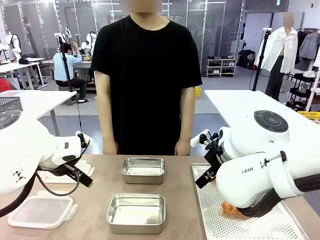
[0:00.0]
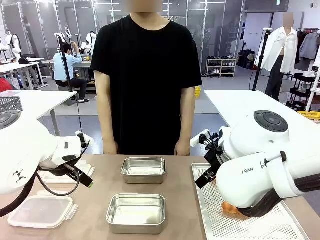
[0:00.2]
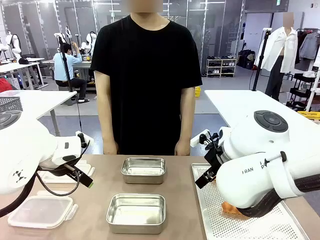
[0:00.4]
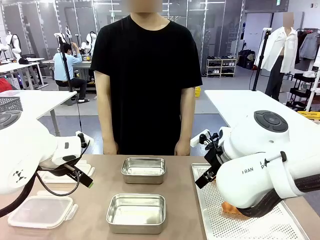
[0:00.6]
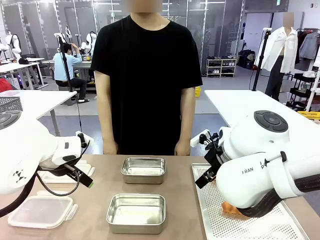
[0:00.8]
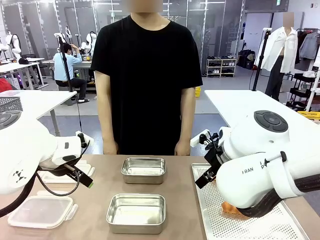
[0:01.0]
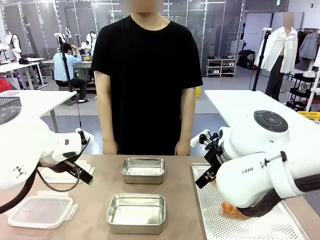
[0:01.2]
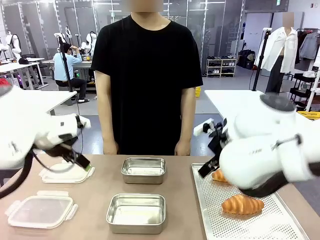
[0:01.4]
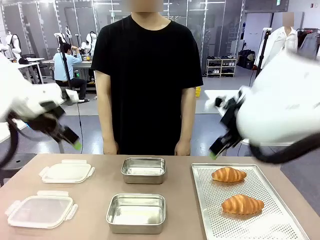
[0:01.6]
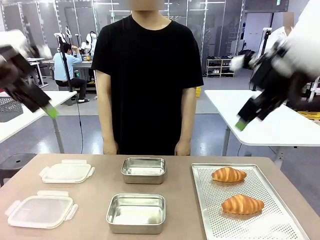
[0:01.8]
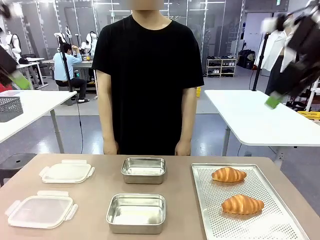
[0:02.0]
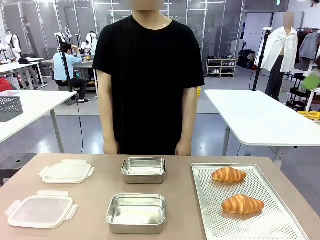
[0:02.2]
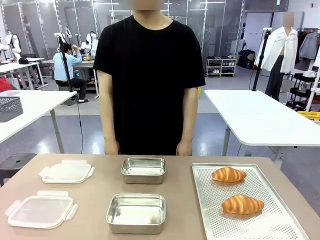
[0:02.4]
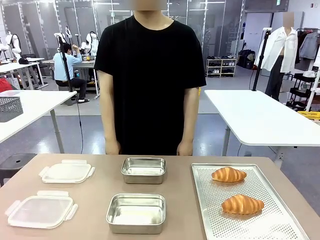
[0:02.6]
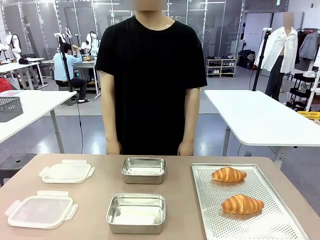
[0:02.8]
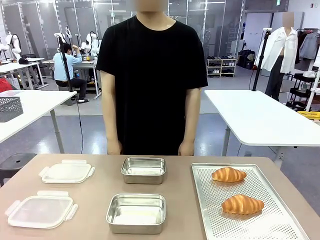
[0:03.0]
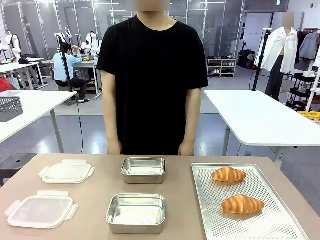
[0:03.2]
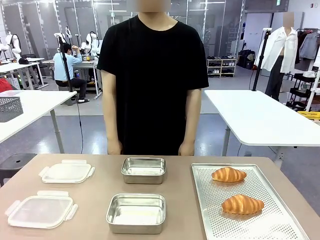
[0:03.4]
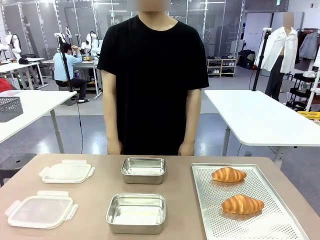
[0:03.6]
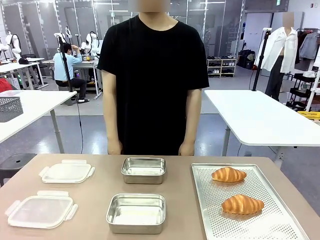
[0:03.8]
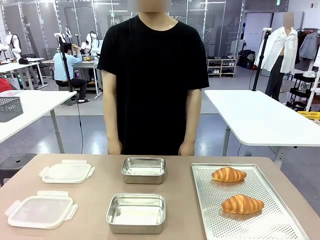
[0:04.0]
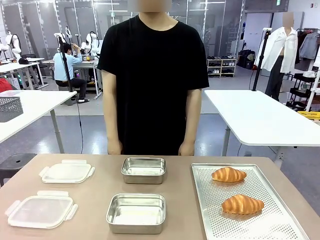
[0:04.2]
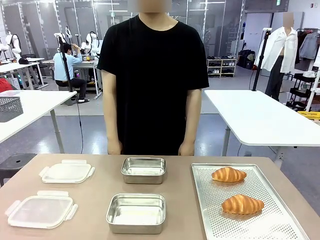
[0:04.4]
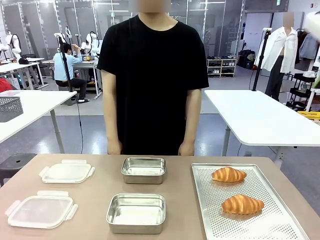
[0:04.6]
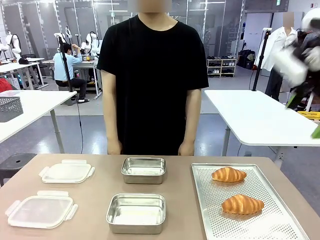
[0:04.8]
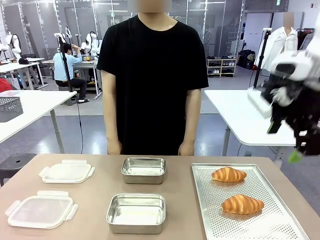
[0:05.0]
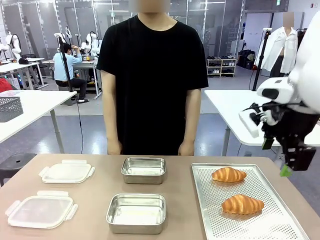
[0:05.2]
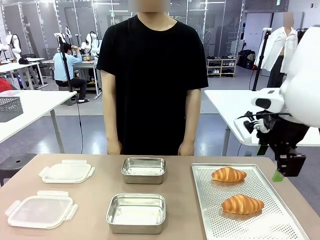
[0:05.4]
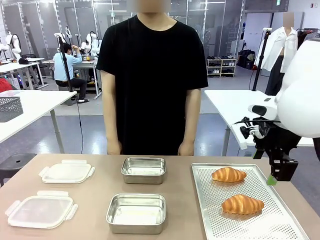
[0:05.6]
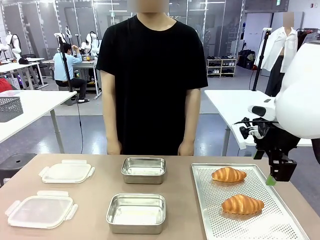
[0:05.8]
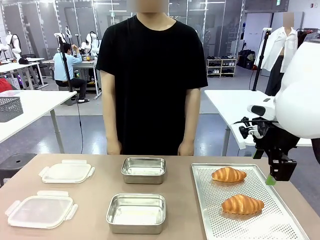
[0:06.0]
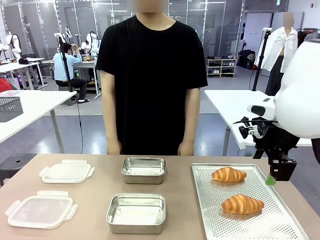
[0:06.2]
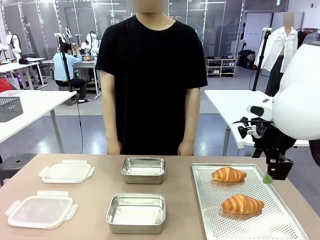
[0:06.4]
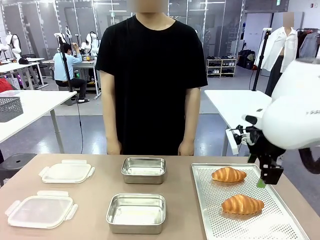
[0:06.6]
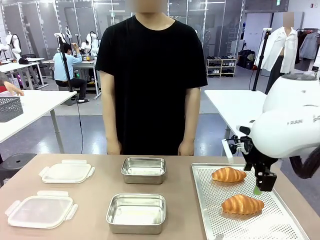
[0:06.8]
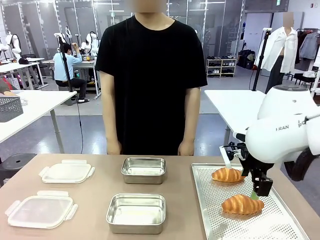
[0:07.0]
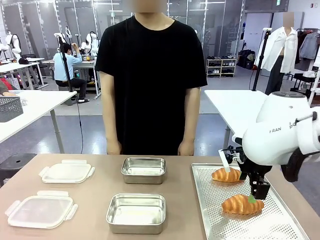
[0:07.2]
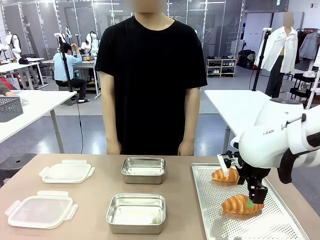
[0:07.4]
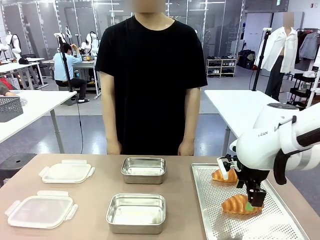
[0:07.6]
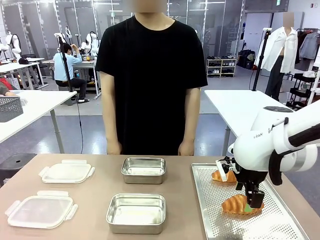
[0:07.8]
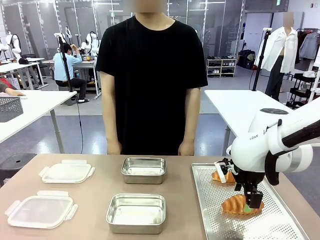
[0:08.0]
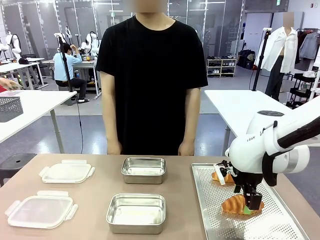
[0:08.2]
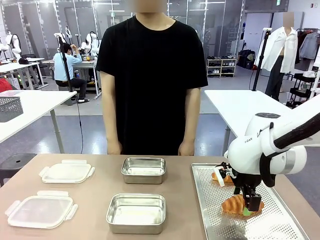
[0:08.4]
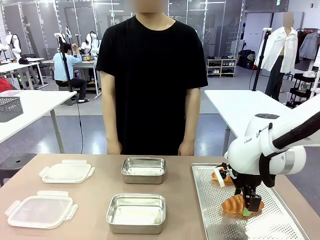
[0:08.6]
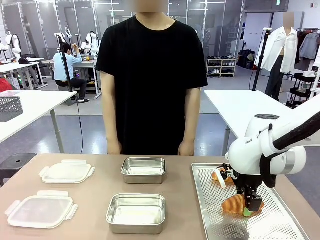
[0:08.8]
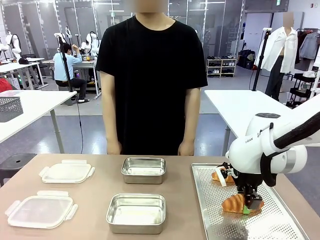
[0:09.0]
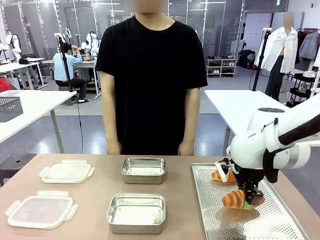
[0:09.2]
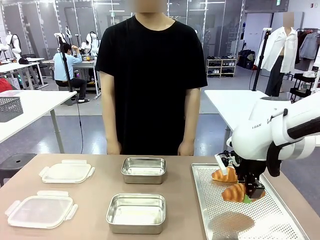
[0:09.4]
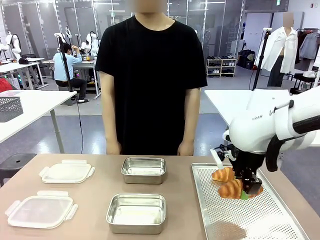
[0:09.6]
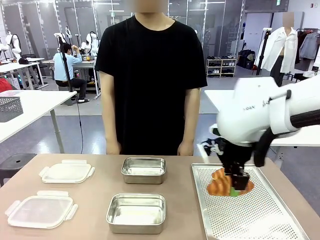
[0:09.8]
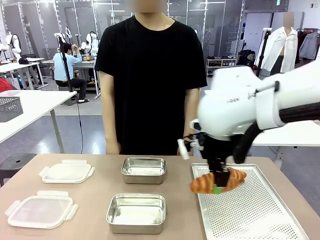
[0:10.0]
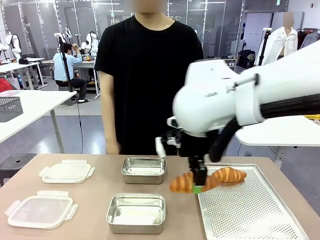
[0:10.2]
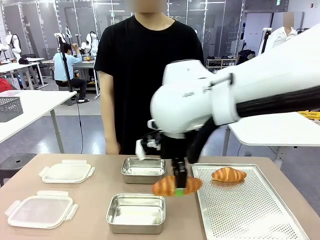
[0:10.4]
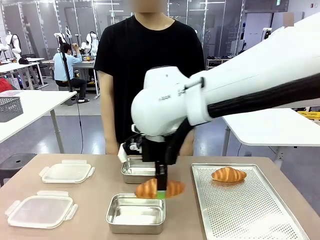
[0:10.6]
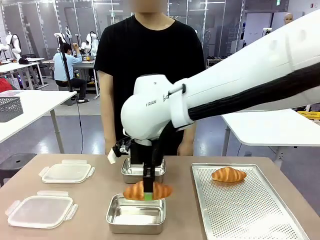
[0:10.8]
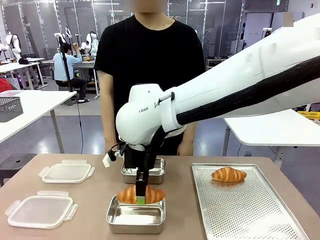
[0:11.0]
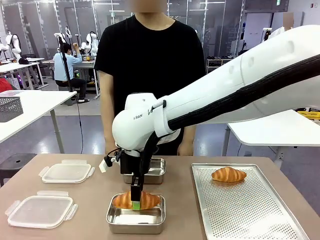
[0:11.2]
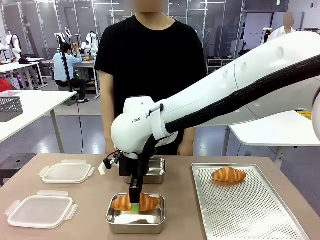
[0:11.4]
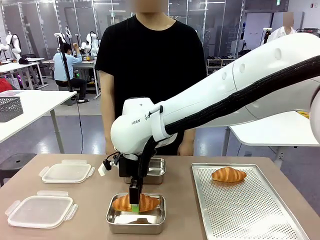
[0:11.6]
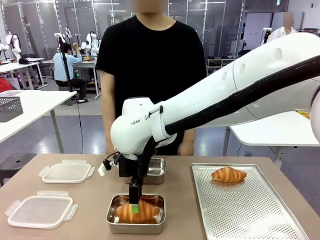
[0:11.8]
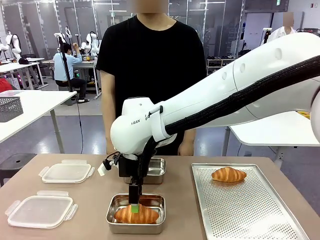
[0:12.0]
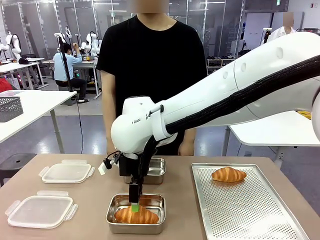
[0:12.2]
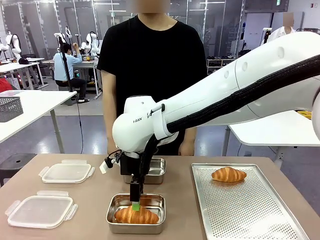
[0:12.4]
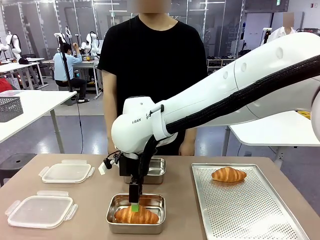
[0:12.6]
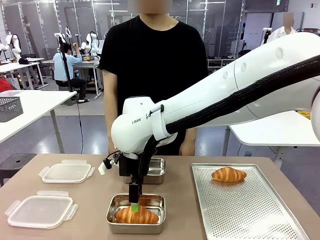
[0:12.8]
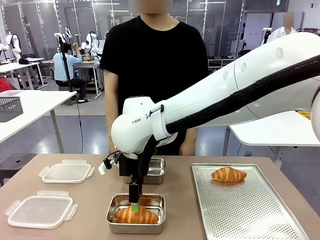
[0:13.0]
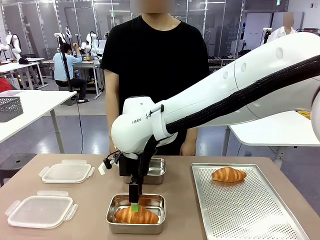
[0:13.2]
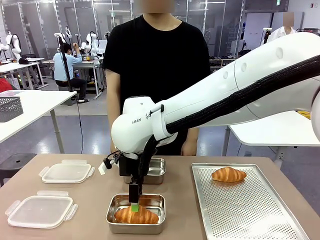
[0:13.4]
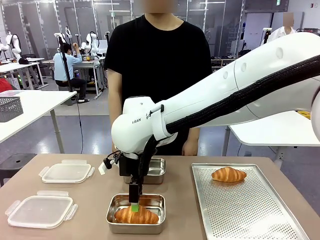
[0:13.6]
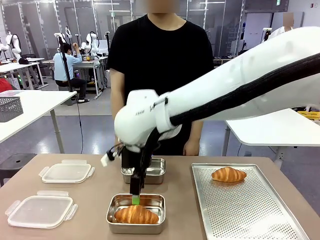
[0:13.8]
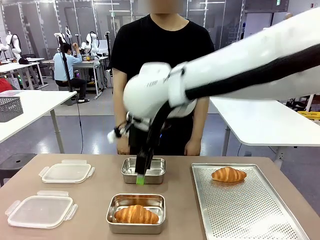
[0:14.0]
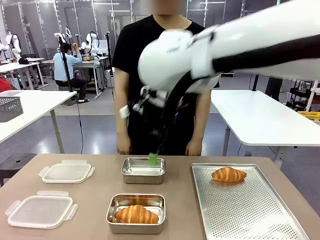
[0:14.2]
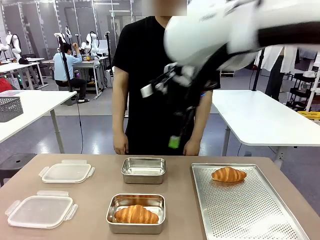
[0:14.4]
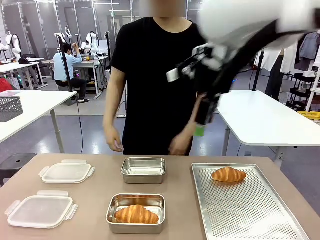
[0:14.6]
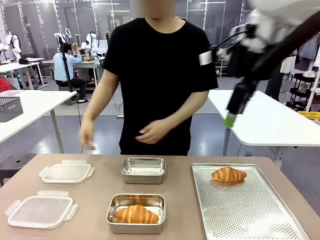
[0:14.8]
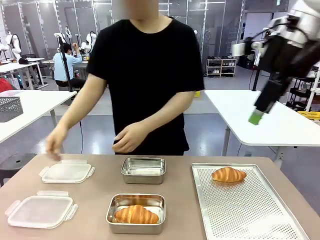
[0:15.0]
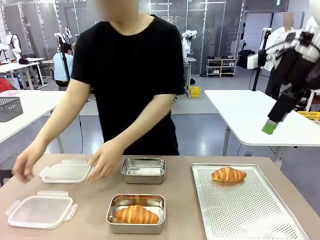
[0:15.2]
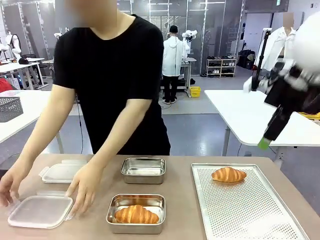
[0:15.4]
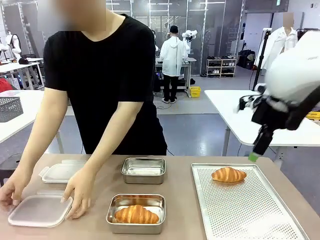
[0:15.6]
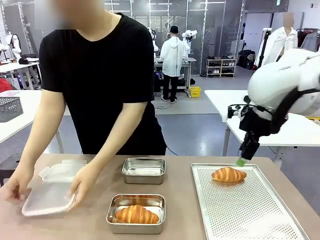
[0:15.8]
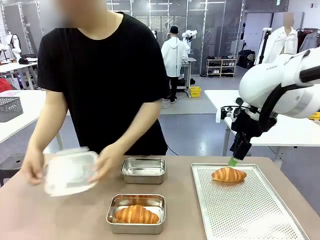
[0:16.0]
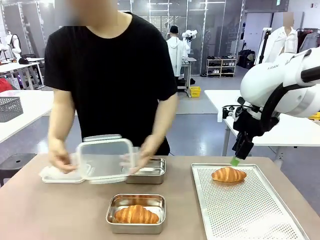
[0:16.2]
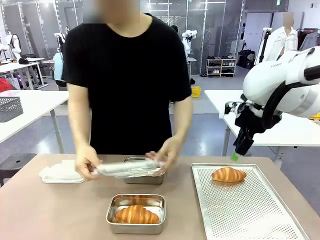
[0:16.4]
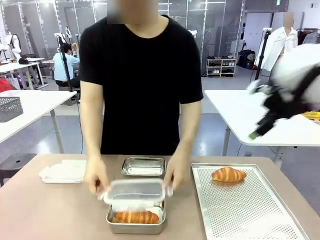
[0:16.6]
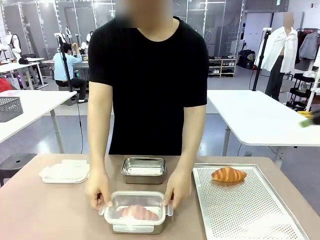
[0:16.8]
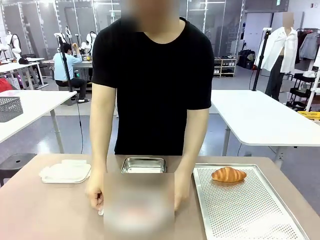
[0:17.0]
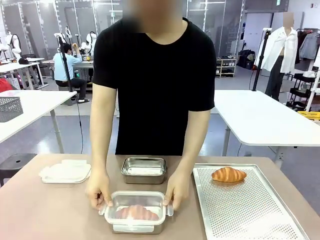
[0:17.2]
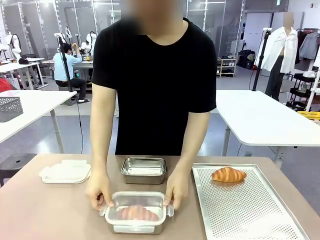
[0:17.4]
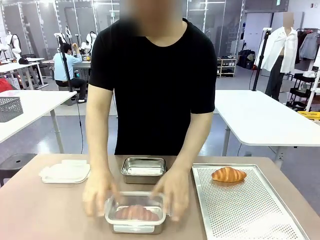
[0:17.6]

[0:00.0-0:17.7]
Task: Place the bread into the airtight container.
Robot: Pick up a Butter Roll and place it into an empty Airtight Container.
